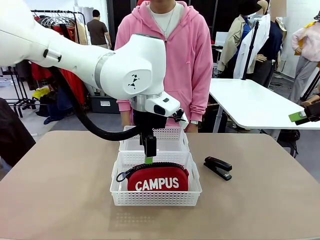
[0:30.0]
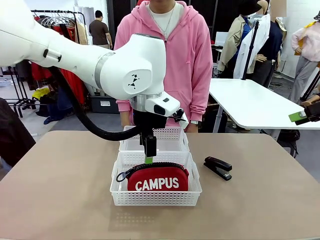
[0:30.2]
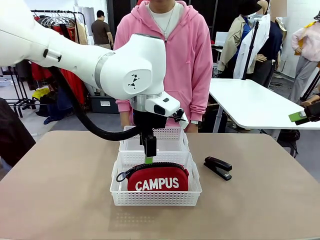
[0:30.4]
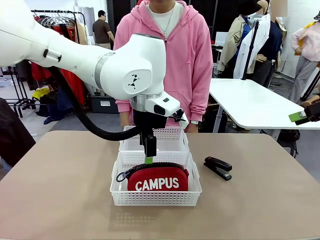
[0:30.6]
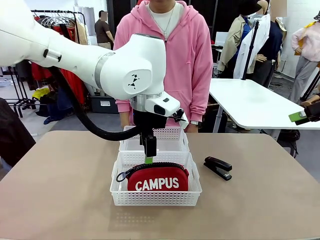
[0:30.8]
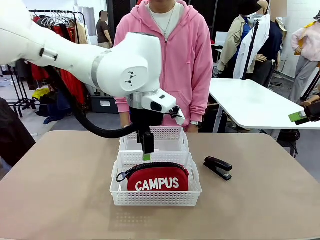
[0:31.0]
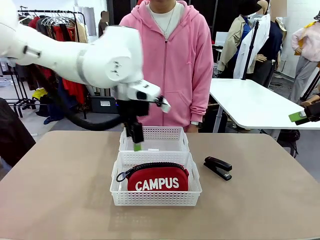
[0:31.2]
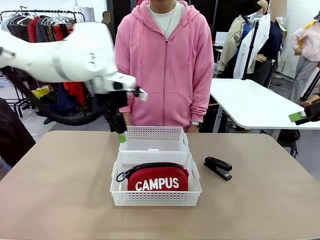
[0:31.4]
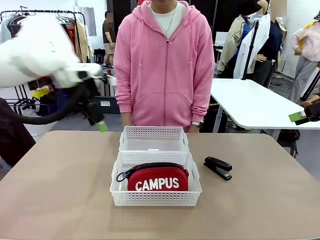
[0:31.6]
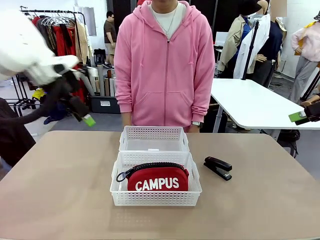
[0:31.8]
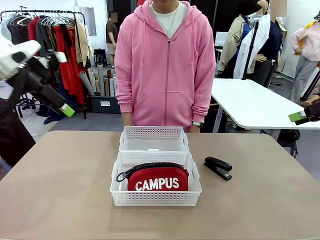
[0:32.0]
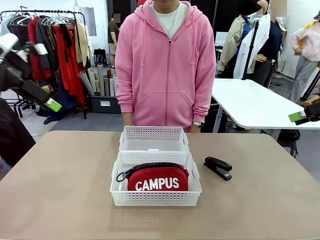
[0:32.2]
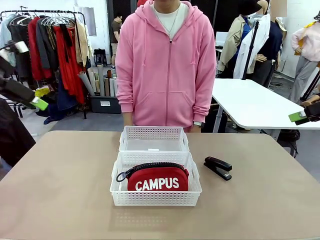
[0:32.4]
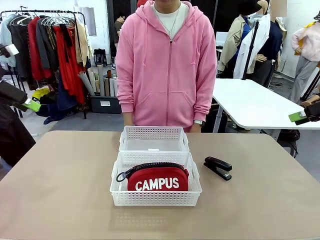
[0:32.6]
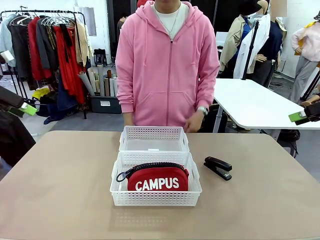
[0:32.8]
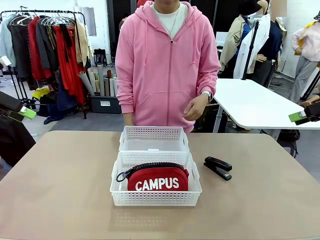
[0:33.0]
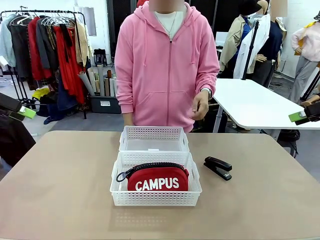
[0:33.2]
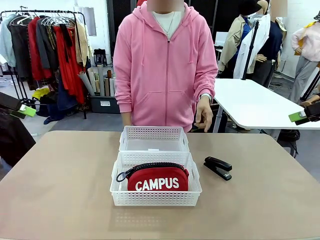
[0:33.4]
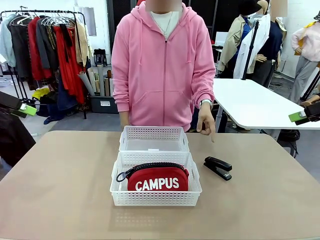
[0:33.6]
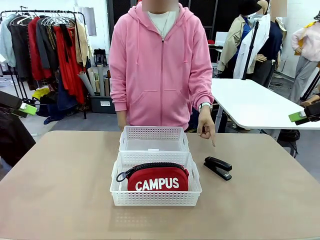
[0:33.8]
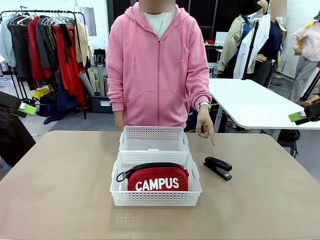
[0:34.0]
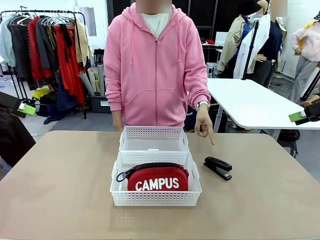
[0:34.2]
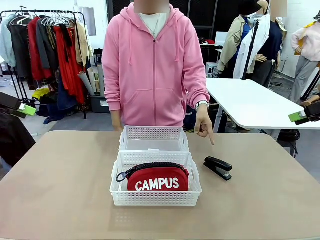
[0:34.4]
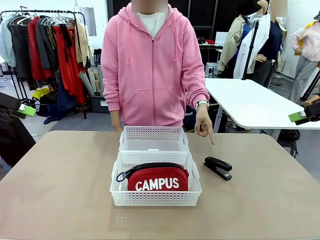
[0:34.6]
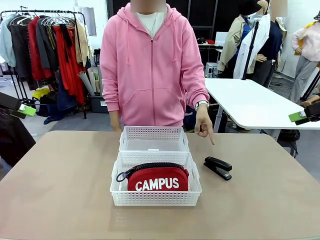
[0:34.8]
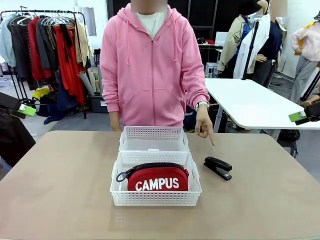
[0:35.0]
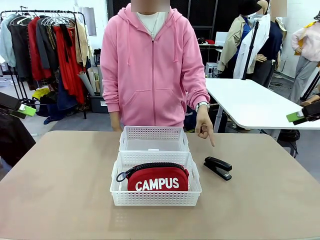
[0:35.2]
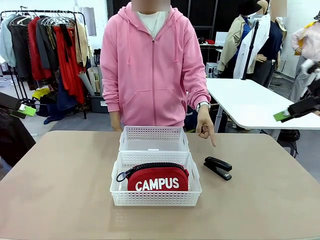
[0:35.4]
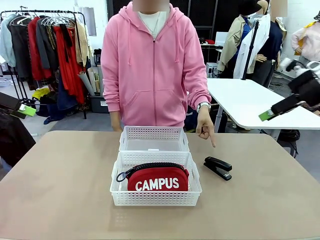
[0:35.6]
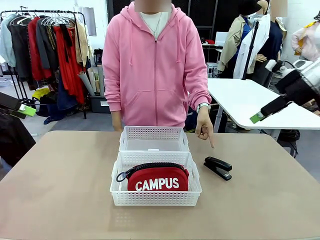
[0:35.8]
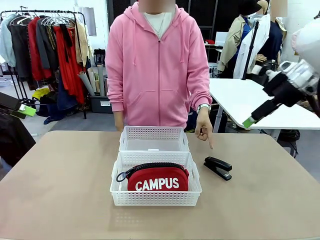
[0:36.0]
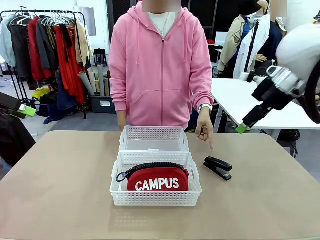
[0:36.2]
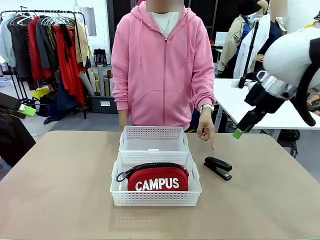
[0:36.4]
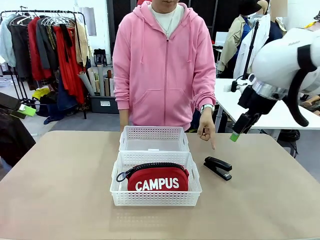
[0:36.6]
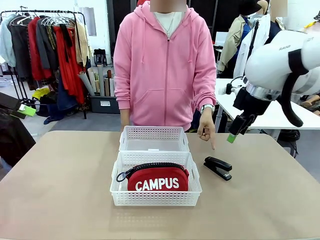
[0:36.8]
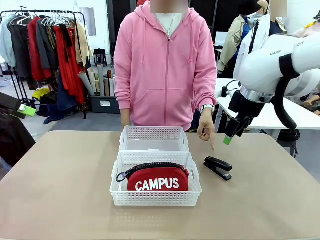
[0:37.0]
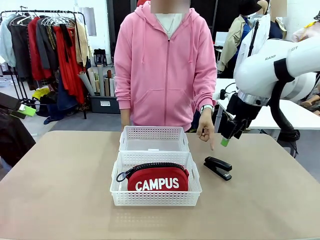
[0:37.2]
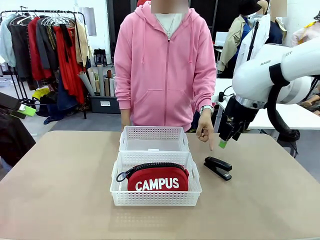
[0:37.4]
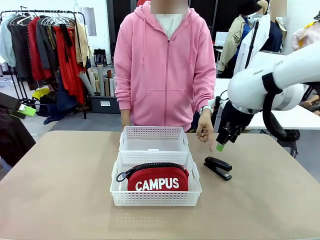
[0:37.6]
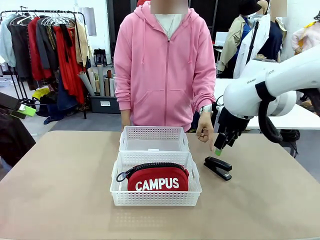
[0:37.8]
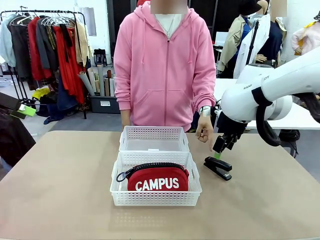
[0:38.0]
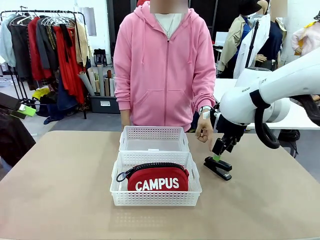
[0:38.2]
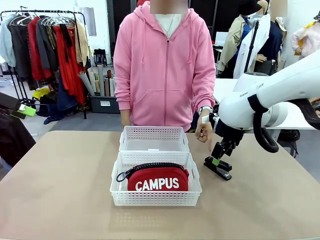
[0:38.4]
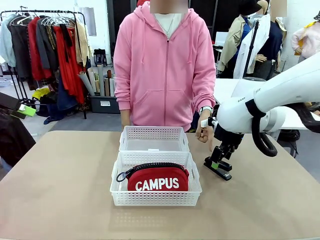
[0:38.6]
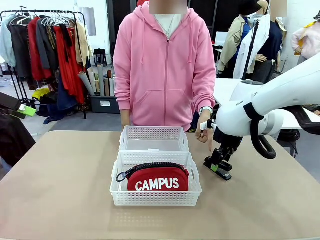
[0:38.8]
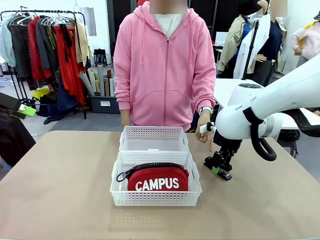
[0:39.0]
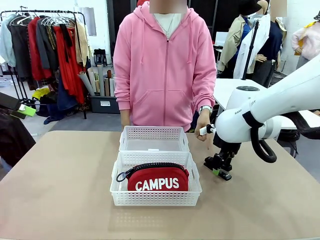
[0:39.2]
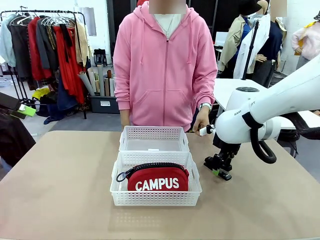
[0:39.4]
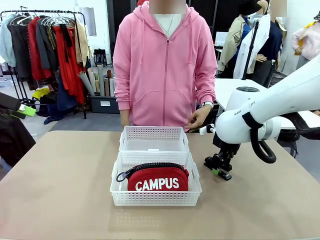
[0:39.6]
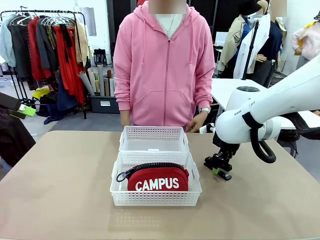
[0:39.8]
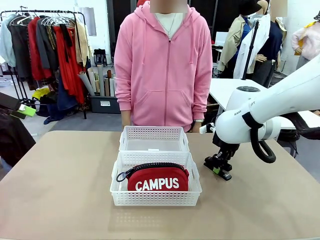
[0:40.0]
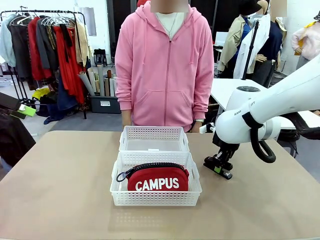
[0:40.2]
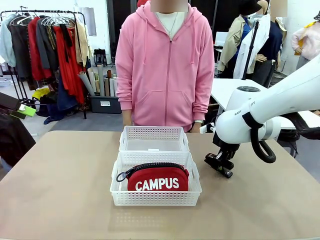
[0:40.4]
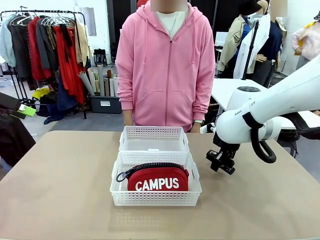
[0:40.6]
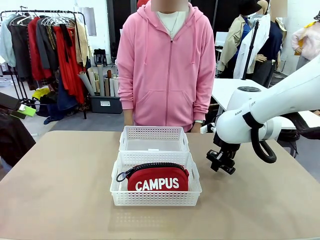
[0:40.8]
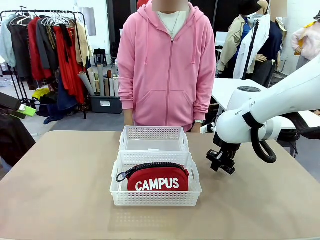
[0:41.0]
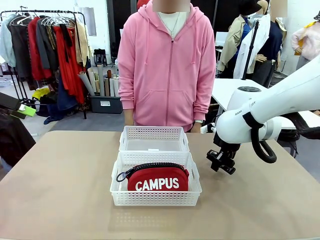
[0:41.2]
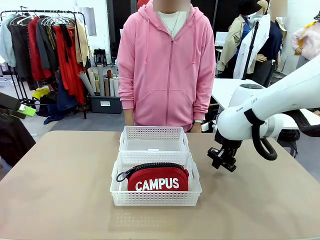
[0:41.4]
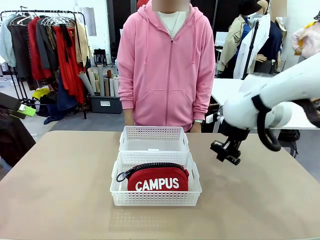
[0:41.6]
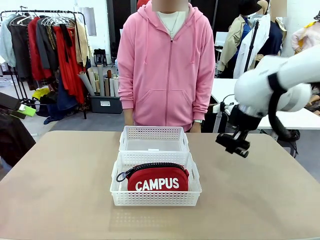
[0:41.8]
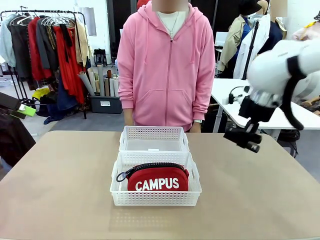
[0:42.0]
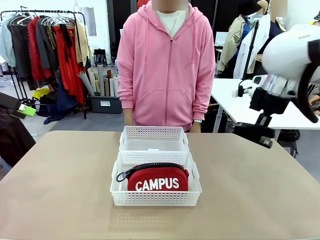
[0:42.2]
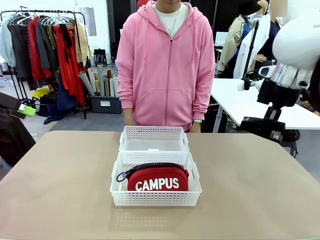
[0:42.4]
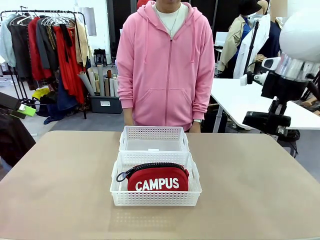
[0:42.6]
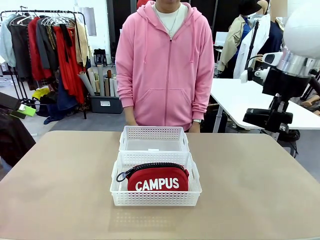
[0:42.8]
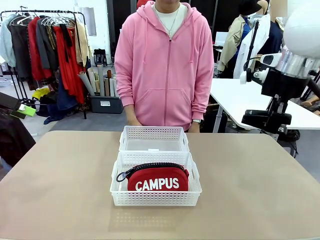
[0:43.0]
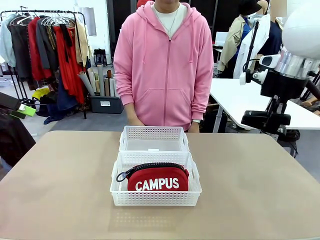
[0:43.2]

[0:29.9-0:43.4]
Task: Distribute items into two baskets.
Robot: Pick up the Stapler that the person points to.

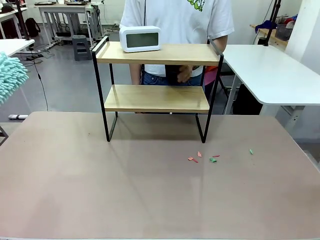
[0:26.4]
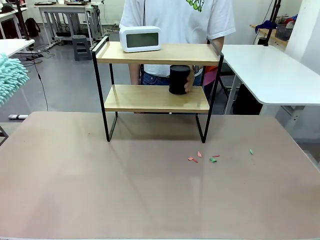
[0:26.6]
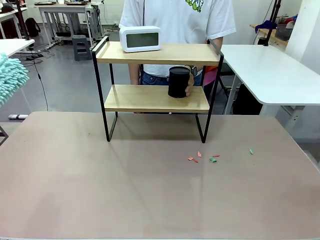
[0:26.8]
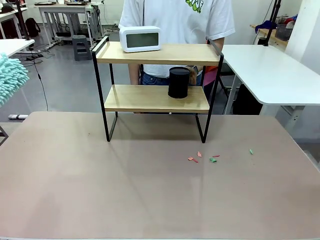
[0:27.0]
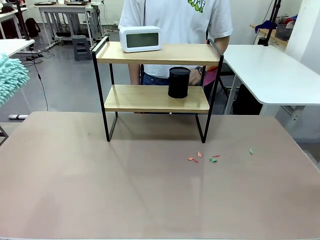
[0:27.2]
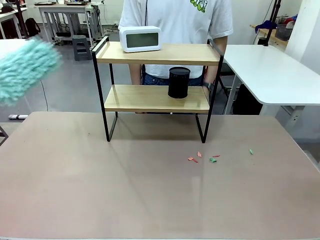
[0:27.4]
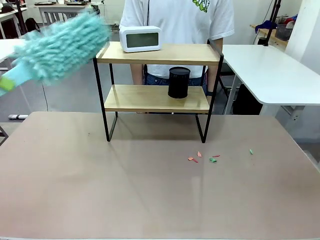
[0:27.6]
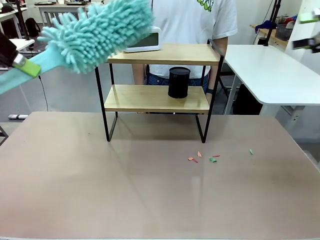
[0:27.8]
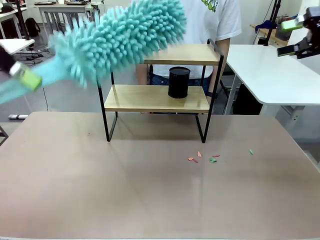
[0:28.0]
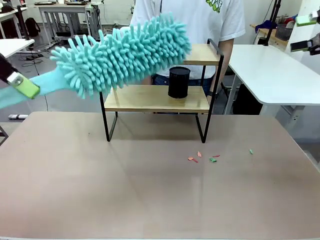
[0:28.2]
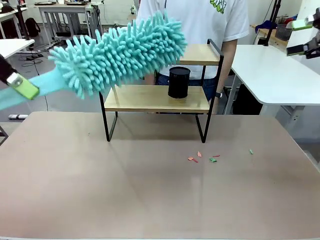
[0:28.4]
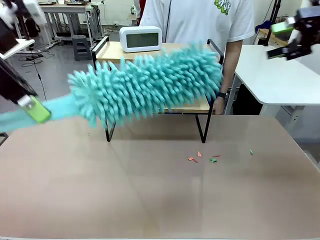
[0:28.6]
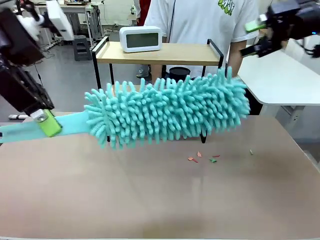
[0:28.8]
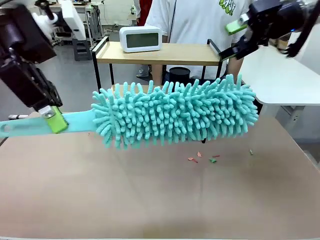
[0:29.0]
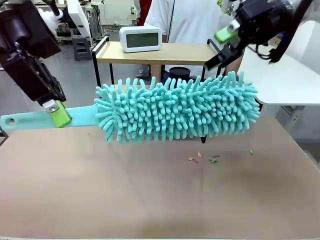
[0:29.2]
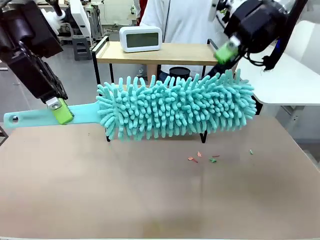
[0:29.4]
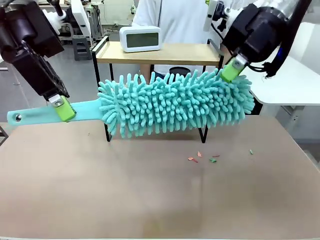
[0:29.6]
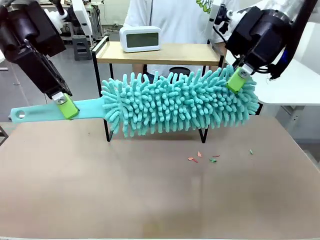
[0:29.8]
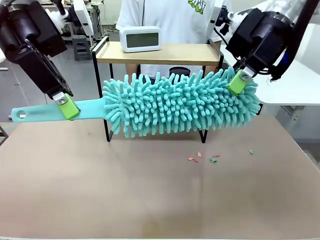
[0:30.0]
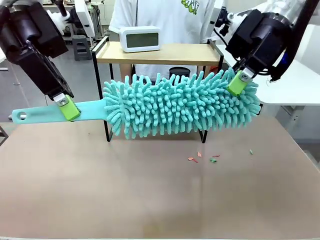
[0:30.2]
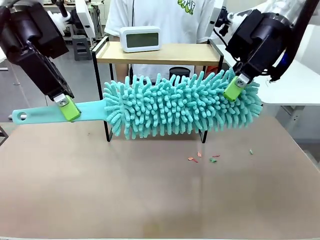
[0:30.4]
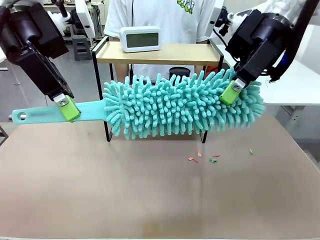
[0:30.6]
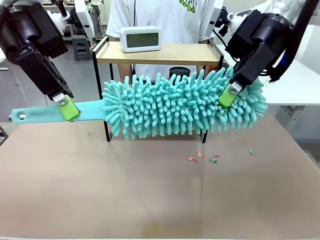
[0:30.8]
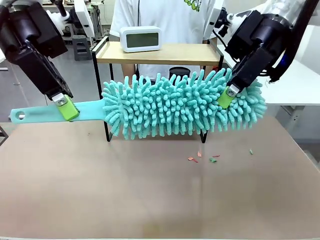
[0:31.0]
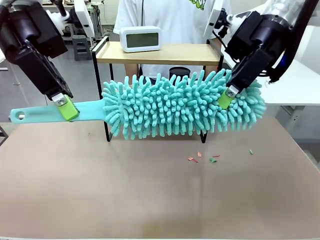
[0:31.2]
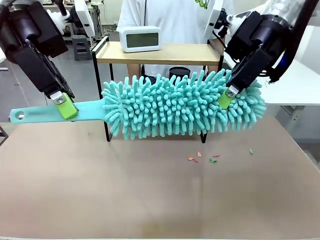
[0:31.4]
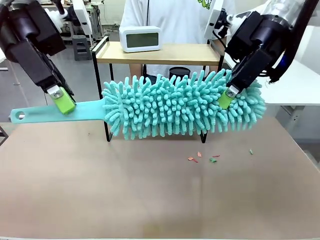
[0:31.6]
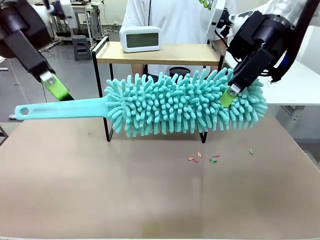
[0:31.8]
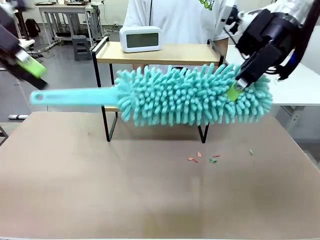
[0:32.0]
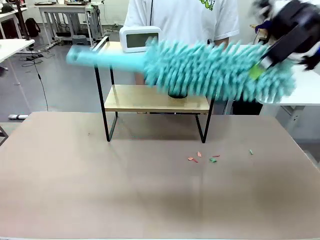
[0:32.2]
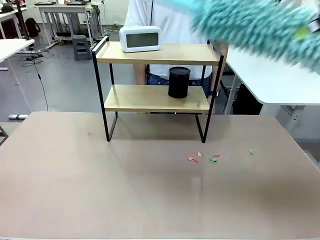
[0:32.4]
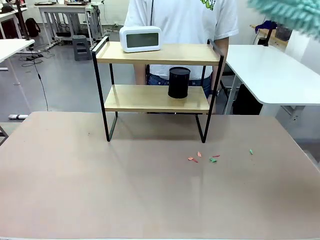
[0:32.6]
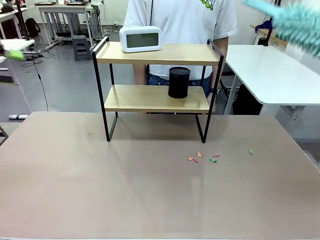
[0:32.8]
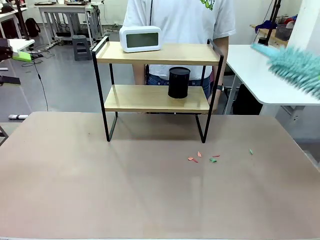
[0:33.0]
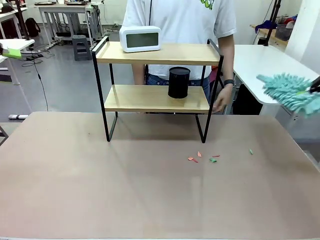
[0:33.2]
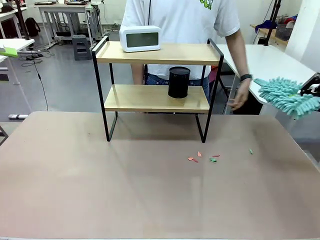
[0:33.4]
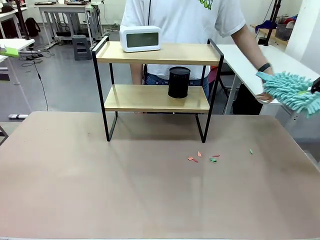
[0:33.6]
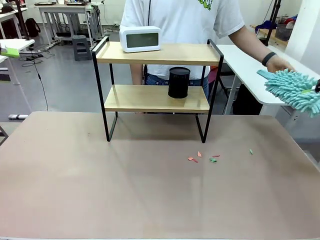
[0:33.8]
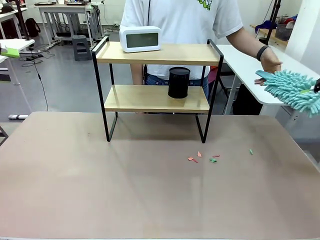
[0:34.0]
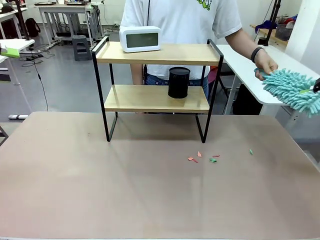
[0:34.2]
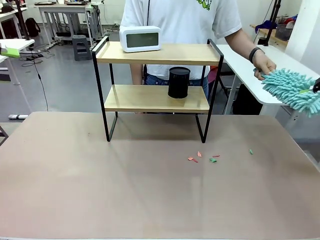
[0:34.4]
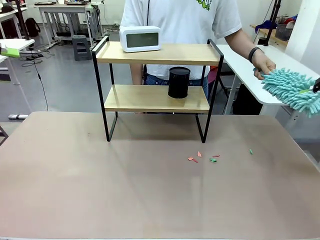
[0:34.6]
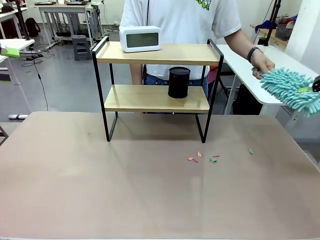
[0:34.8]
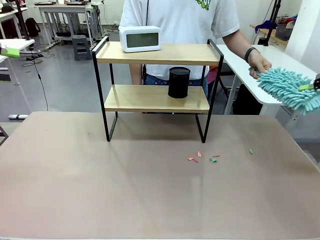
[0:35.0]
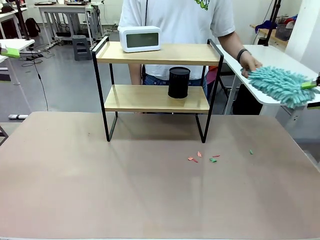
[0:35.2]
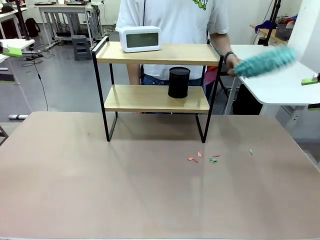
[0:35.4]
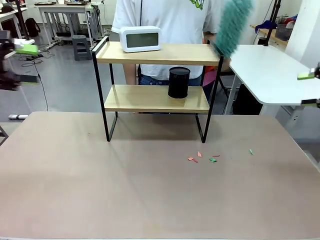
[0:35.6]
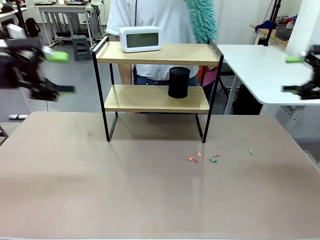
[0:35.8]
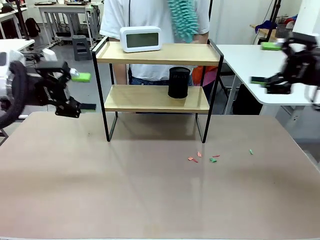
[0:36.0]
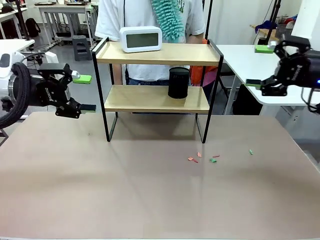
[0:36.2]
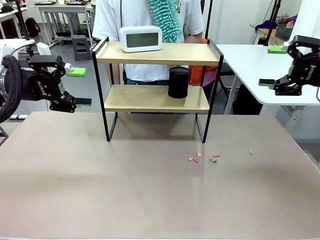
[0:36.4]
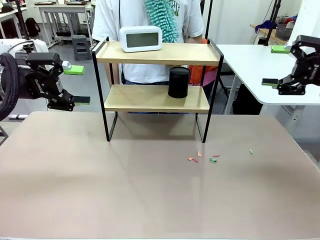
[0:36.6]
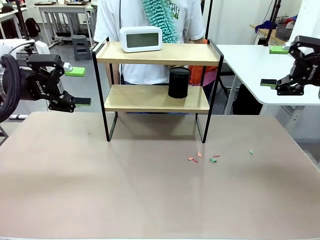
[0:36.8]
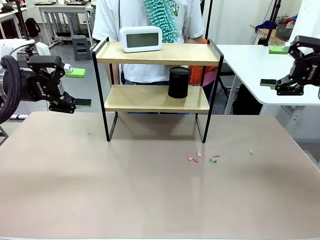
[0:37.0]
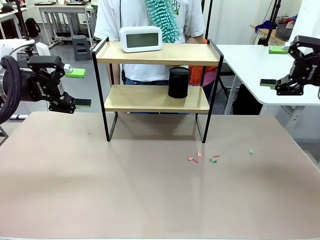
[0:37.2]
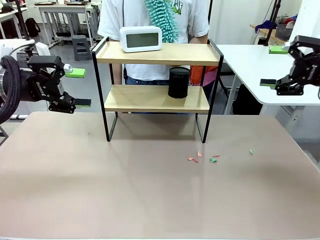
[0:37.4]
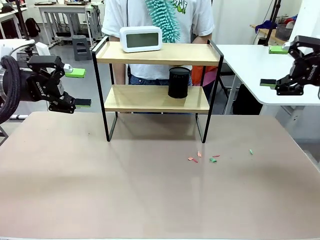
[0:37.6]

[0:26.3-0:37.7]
Task: Clean the shelf.
Robot: Hand the Duster back to the human.
Person: Receive the Duster from the robot.
